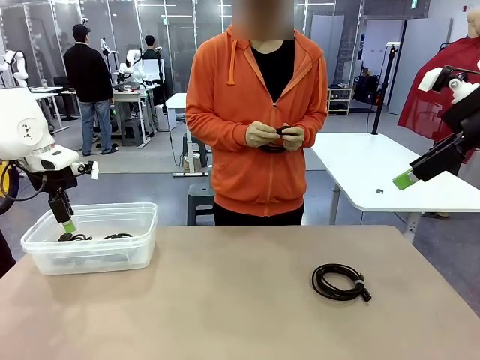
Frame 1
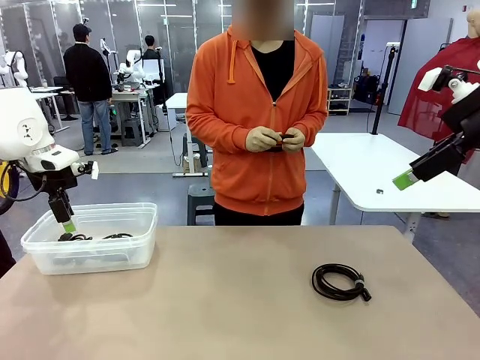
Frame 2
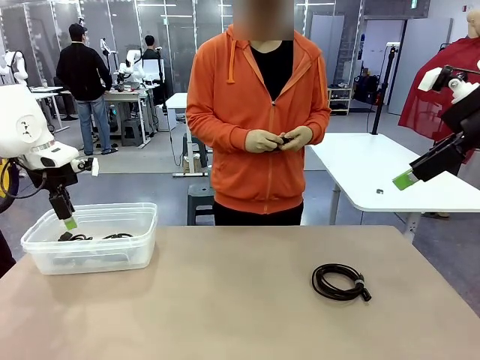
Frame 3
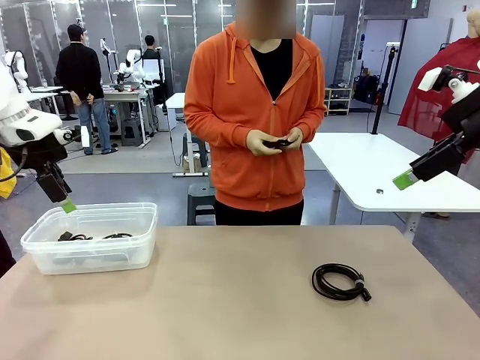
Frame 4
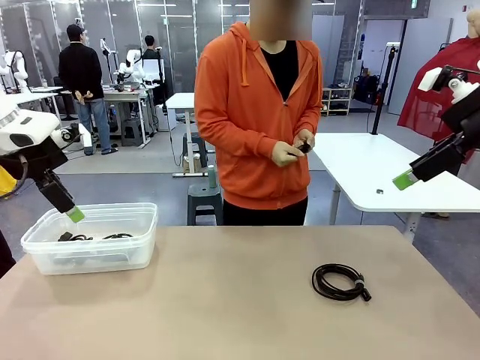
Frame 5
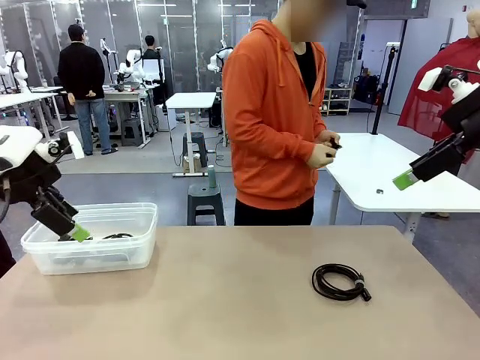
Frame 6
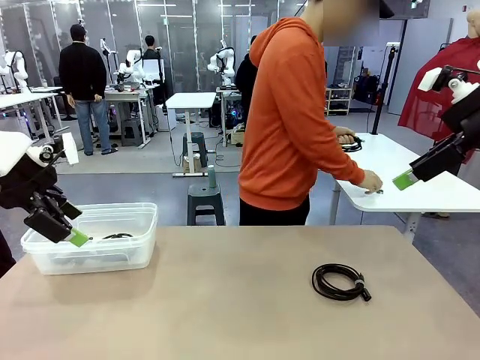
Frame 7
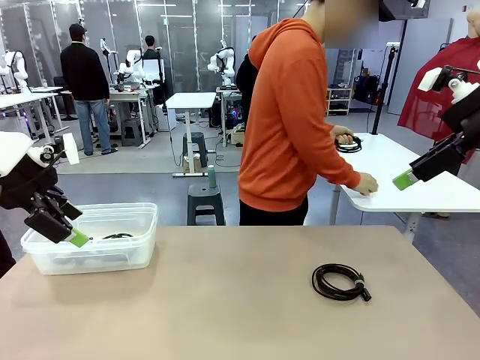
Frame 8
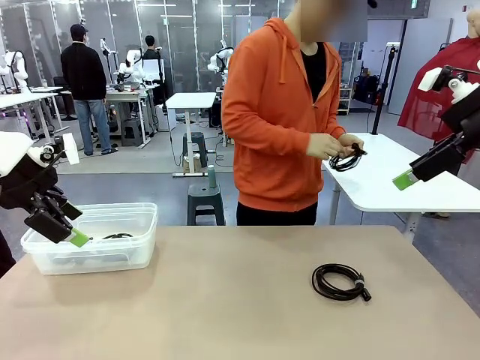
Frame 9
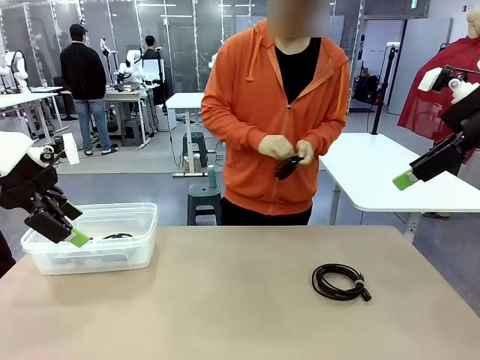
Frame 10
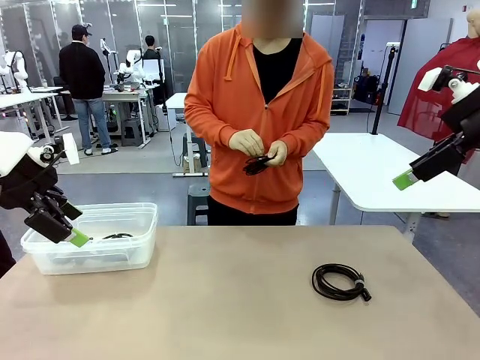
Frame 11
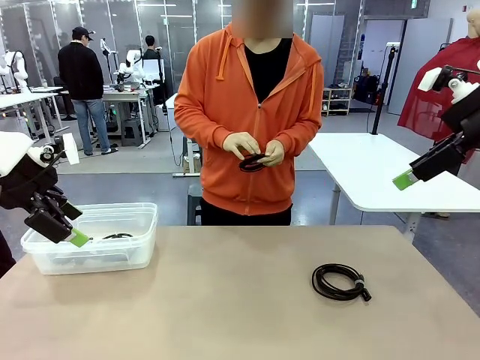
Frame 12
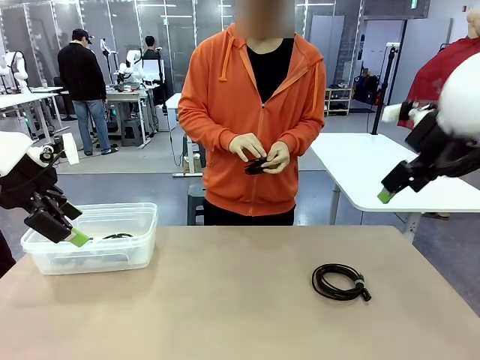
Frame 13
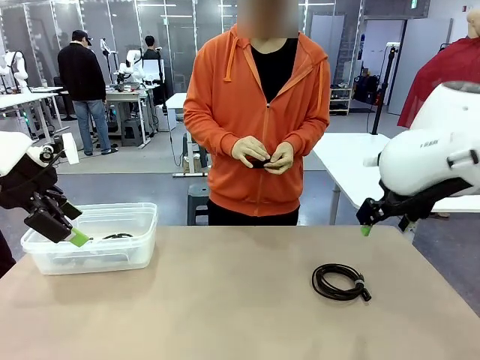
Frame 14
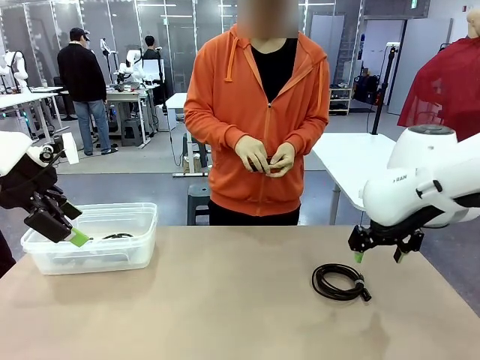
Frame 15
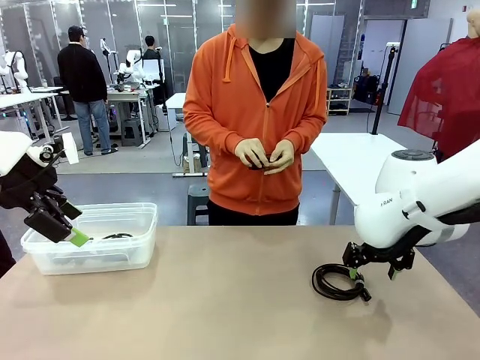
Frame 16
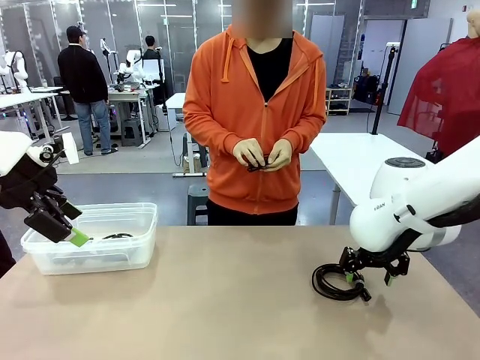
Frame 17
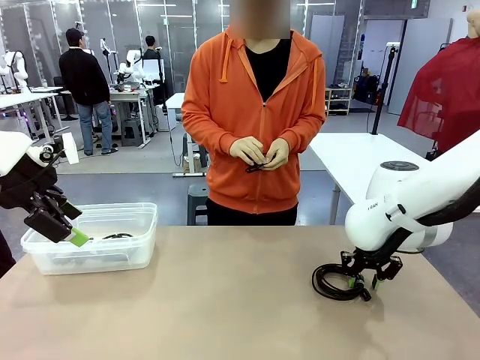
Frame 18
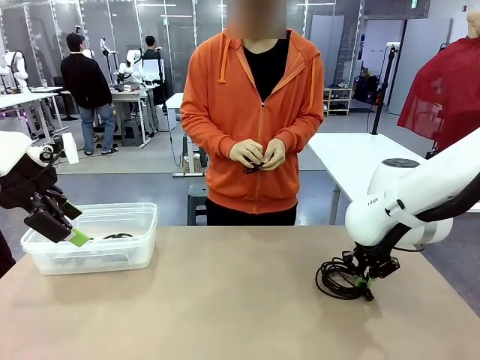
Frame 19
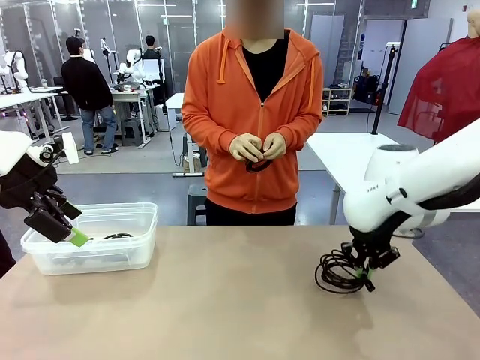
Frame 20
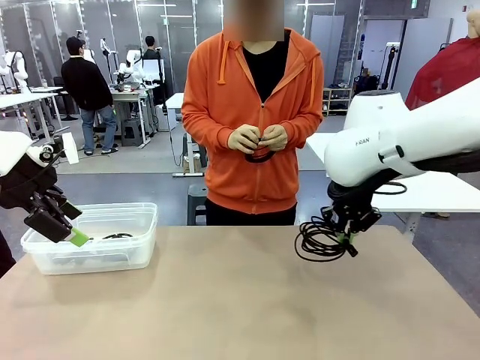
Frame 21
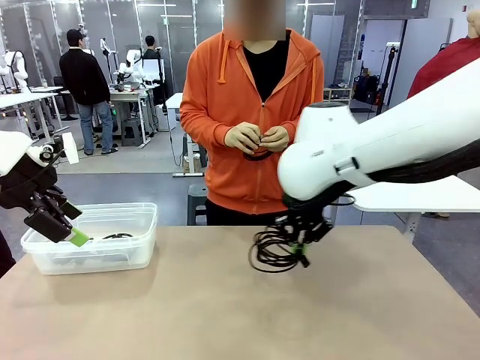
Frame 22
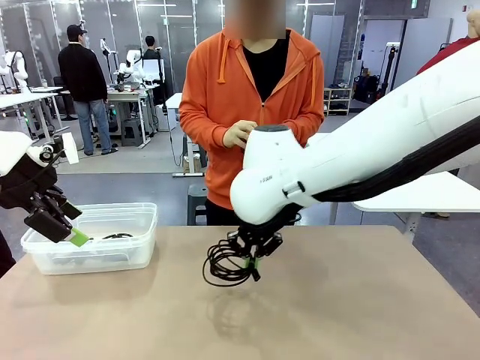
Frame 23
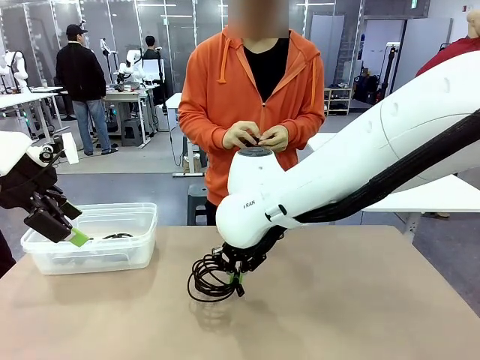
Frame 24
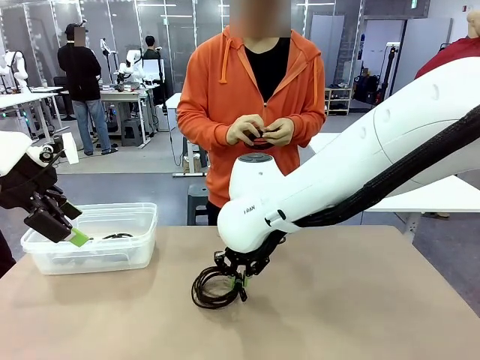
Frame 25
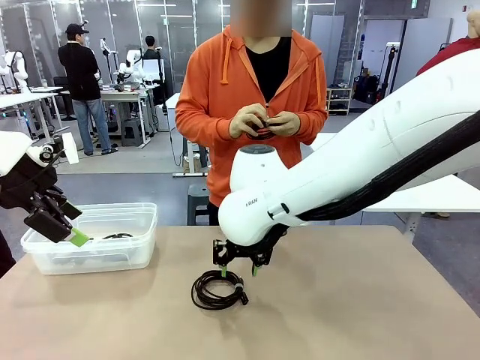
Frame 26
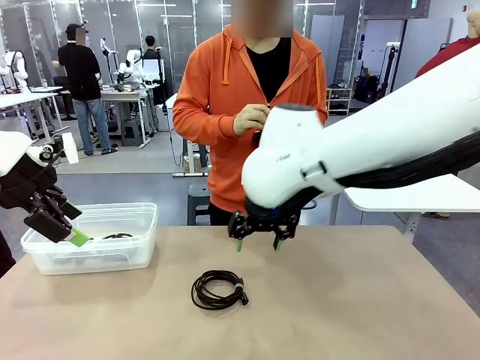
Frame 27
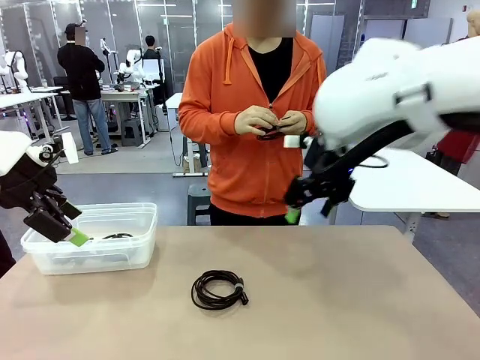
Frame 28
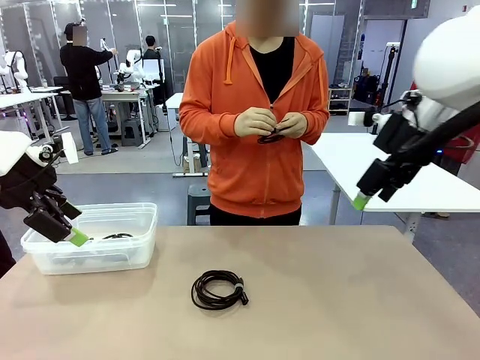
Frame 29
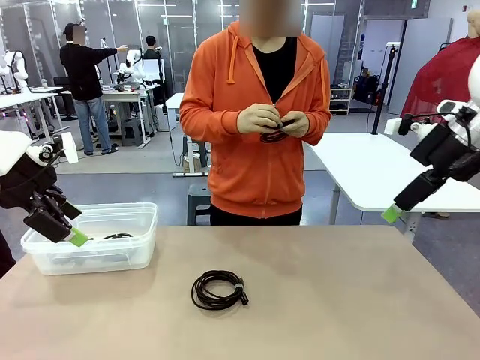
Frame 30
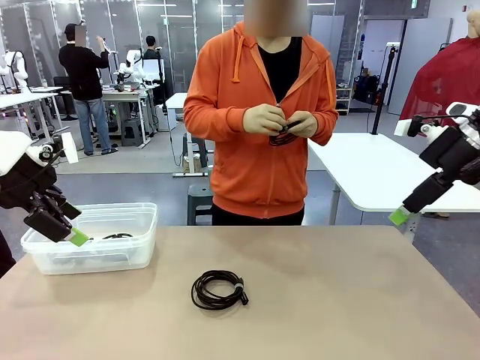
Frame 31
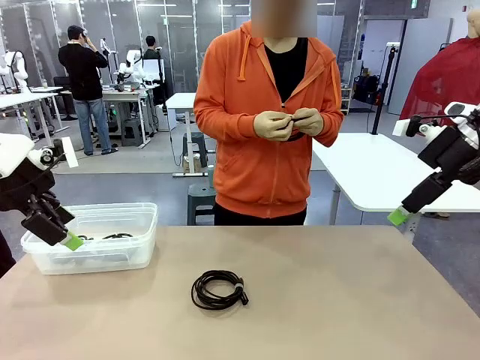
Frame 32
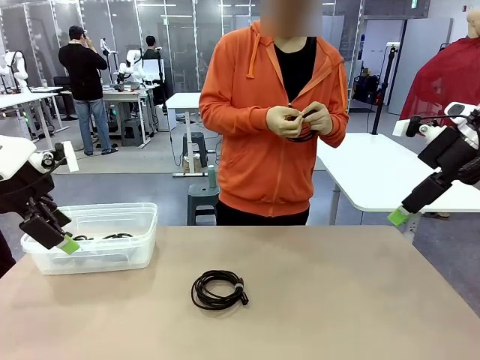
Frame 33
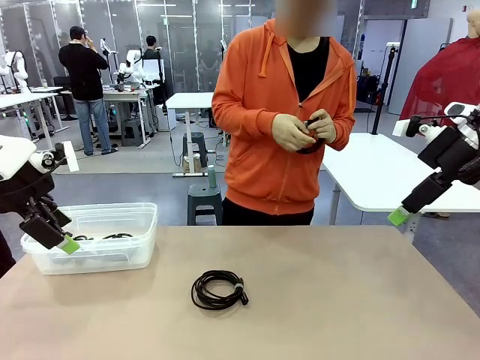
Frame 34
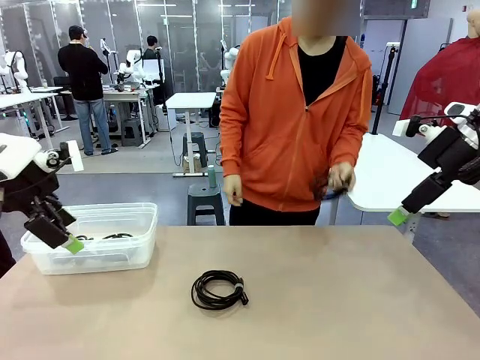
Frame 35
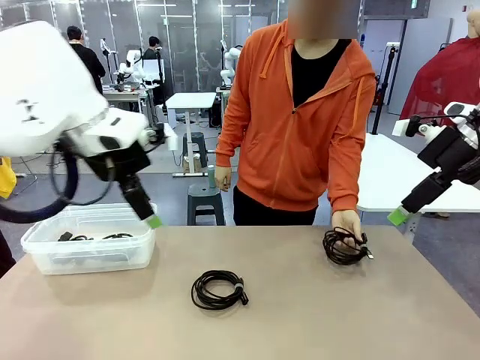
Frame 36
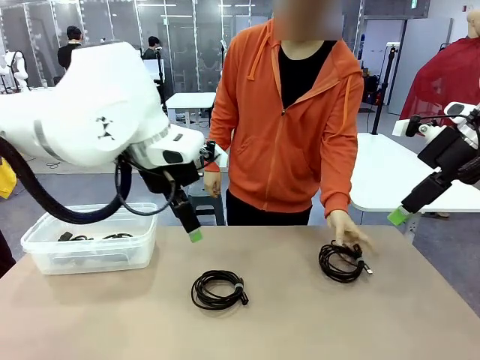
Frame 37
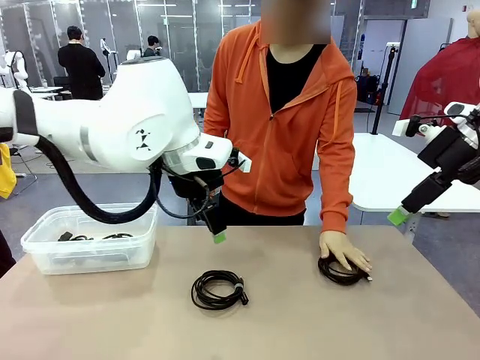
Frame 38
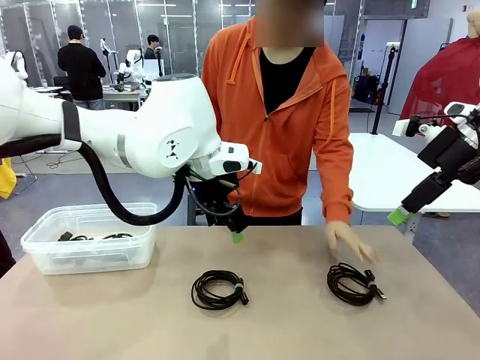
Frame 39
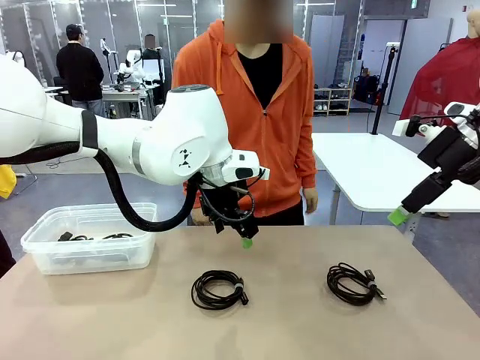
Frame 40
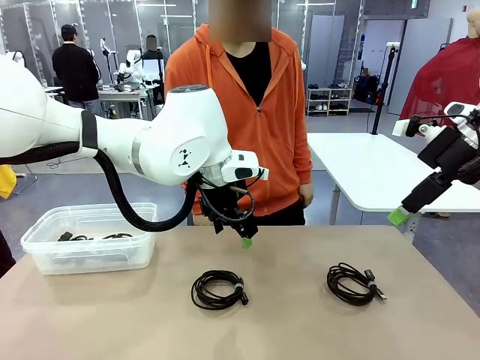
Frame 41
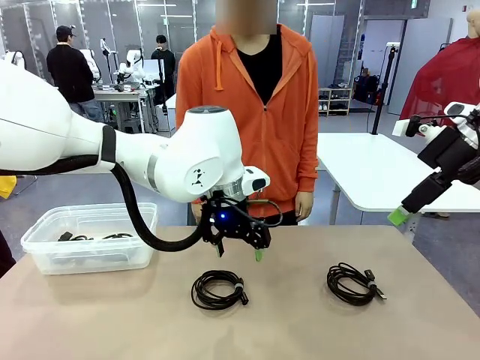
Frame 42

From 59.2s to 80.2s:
Task: Organize and store the cables.
Robot: Place the USB Extension Cable into the Organizing box.

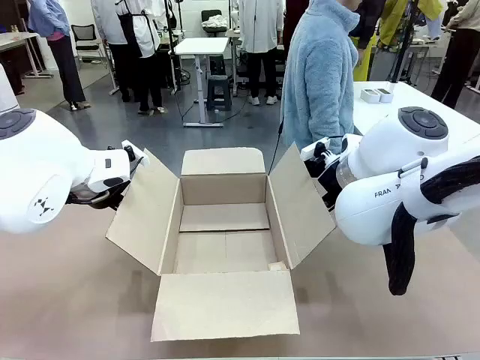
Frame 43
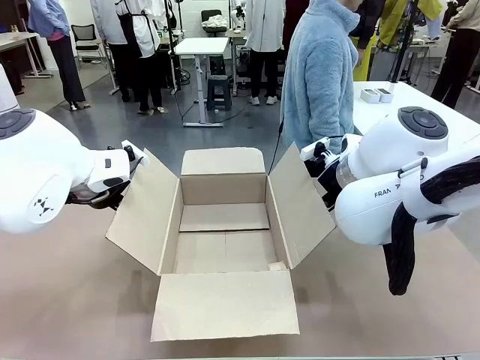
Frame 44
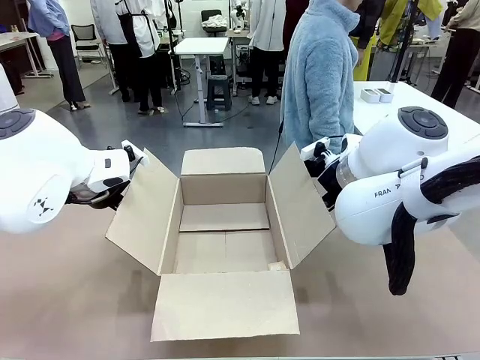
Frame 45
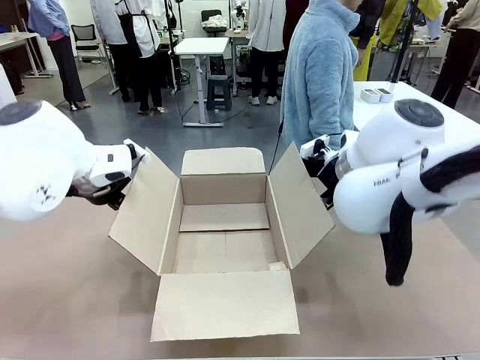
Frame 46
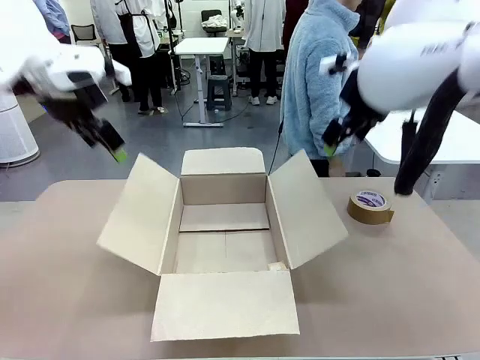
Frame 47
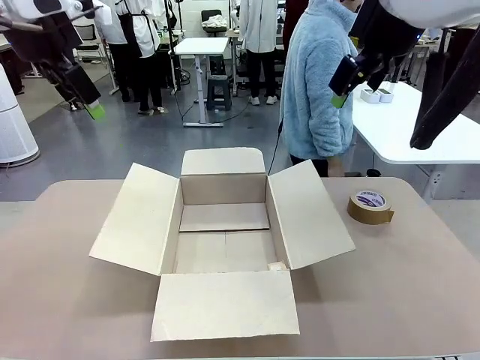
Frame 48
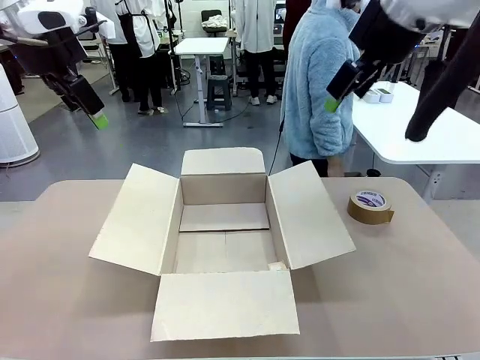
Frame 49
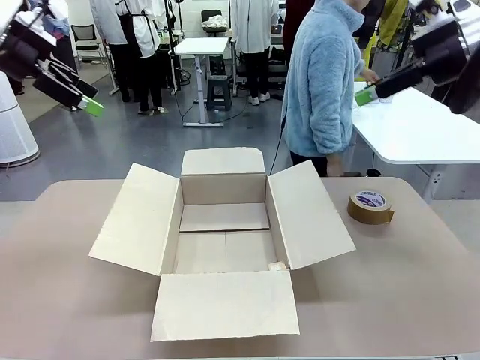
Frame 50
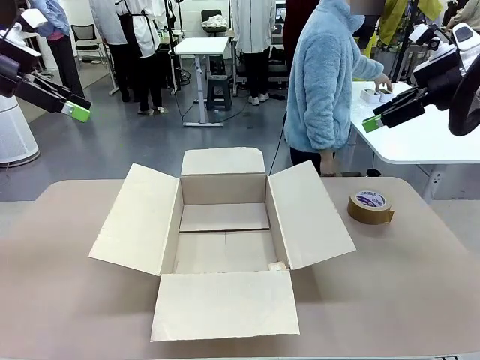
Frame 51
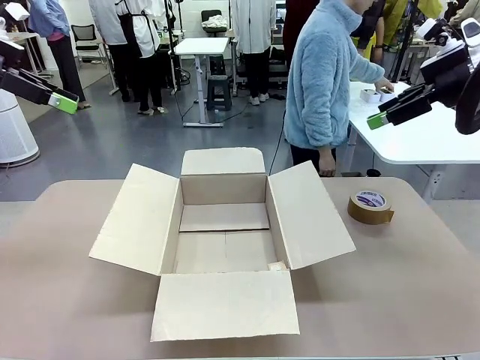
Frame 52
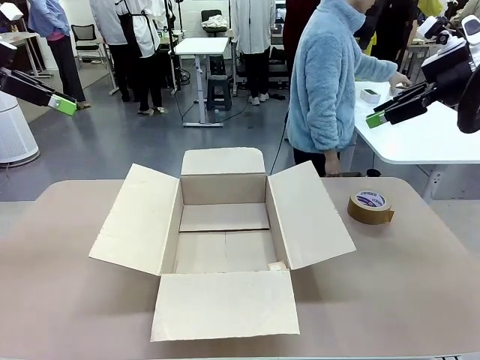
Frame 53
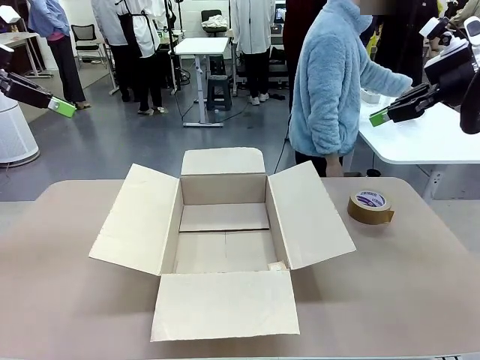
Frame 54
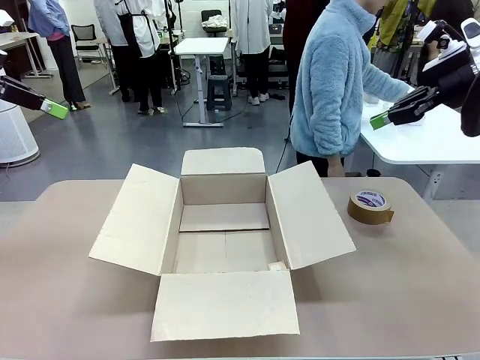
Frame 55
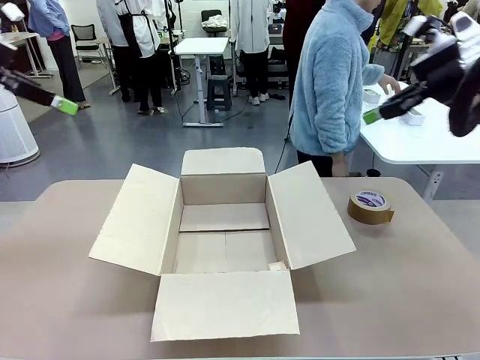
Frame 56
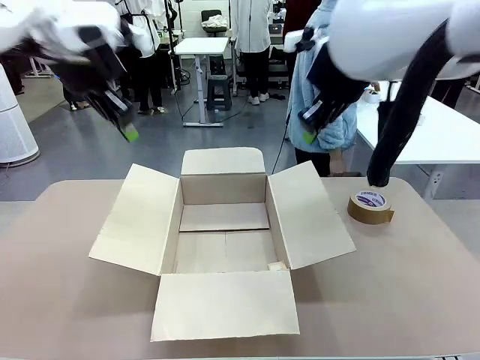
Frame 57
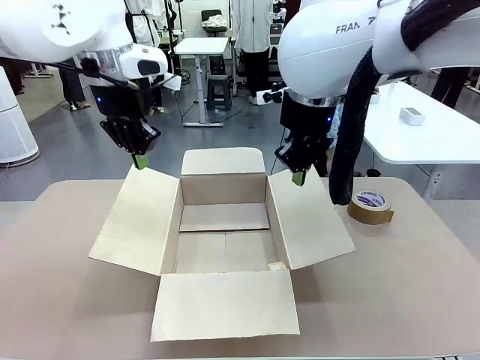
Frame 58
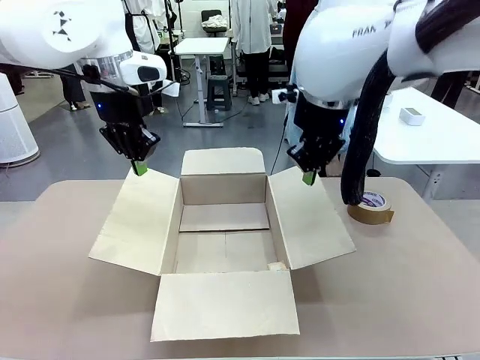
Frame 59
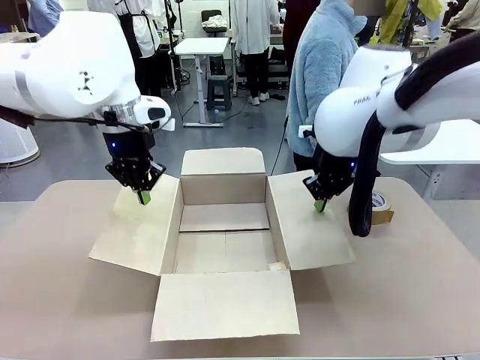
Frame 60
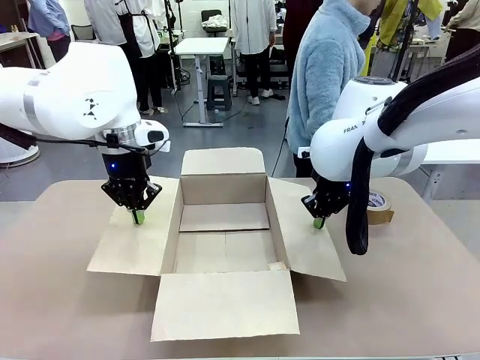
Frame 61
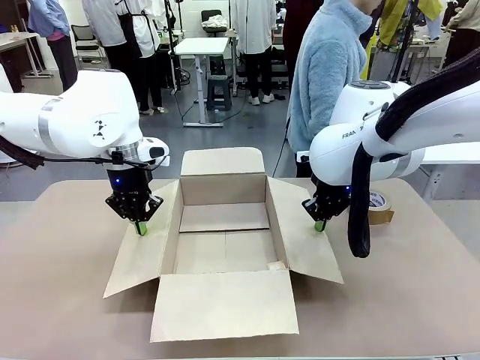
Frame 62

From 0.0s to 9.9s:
Task: Wrap the clocks to prevent damage.
Robot: Open the side flaps of the Package Box.
